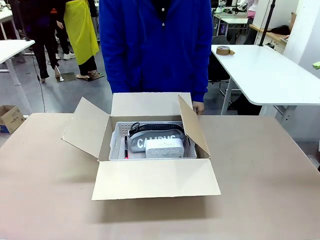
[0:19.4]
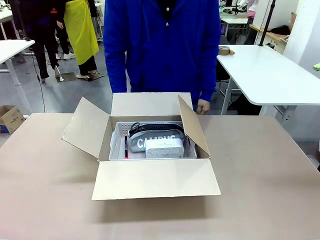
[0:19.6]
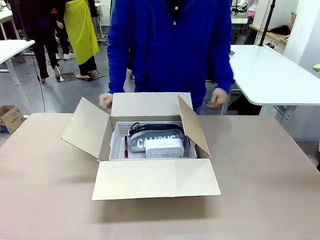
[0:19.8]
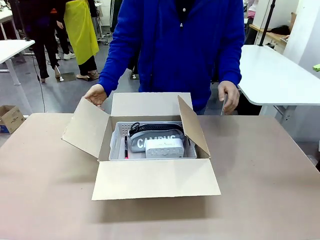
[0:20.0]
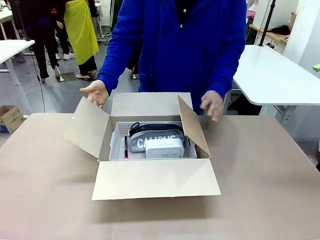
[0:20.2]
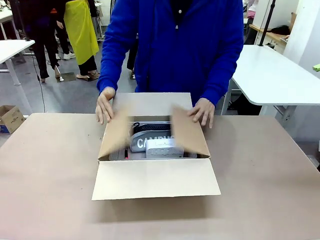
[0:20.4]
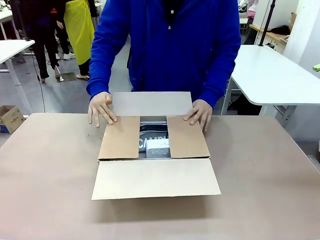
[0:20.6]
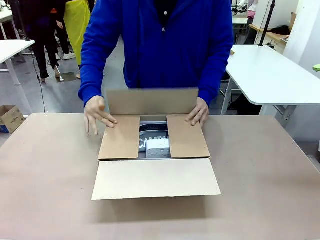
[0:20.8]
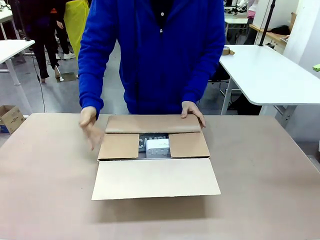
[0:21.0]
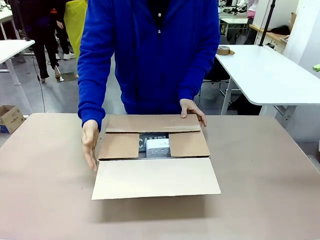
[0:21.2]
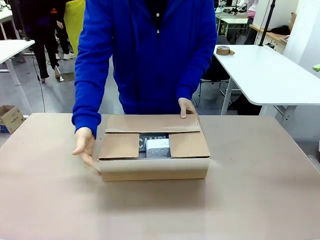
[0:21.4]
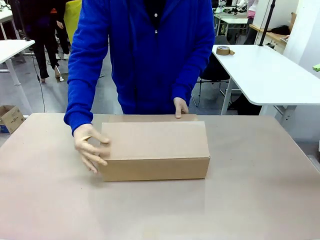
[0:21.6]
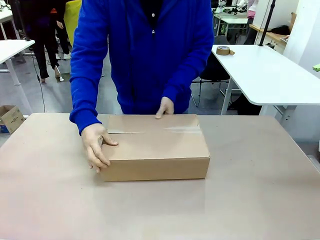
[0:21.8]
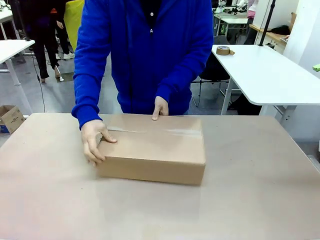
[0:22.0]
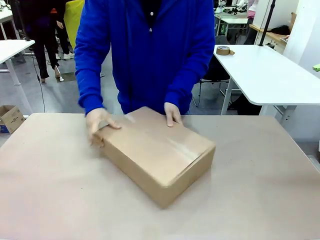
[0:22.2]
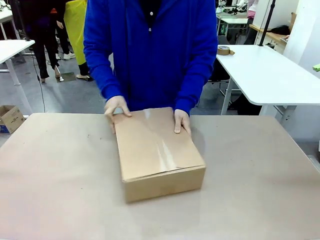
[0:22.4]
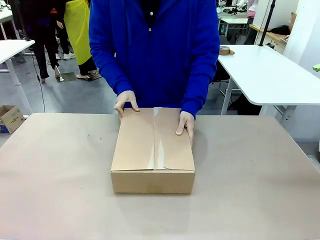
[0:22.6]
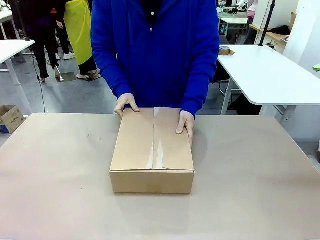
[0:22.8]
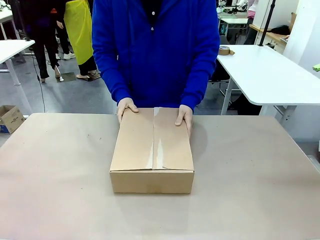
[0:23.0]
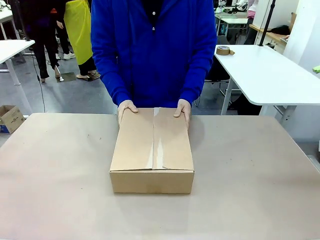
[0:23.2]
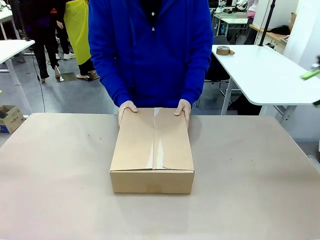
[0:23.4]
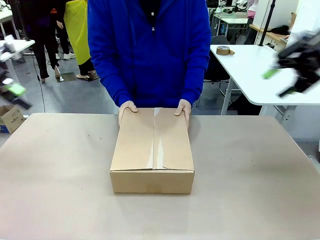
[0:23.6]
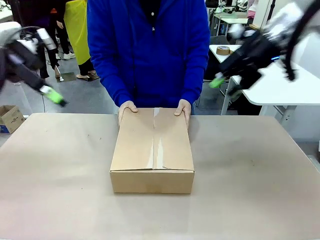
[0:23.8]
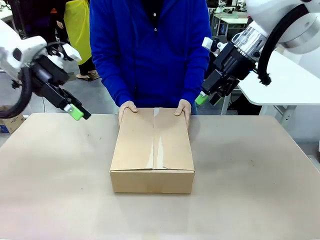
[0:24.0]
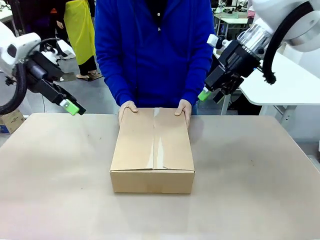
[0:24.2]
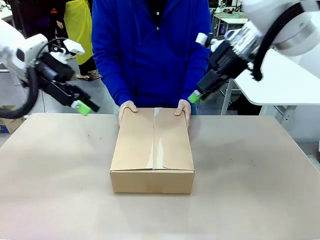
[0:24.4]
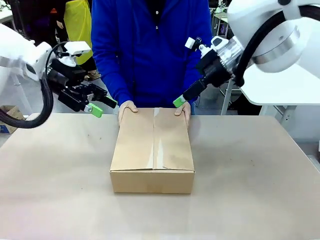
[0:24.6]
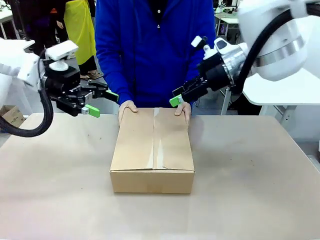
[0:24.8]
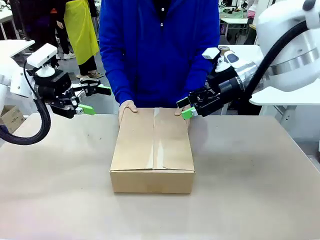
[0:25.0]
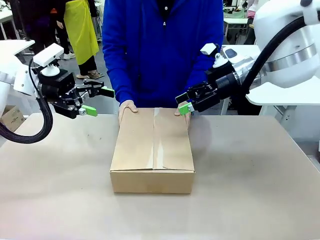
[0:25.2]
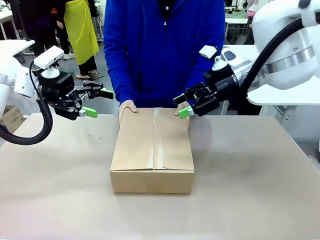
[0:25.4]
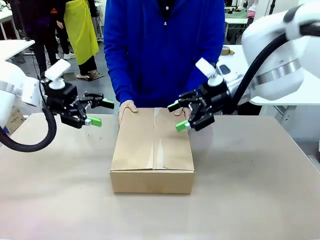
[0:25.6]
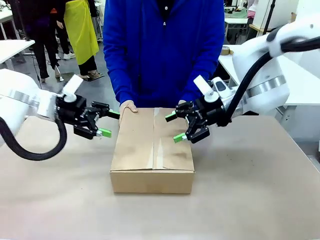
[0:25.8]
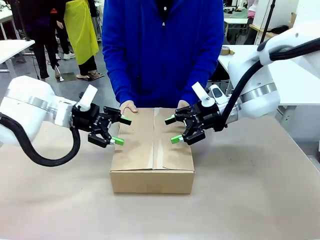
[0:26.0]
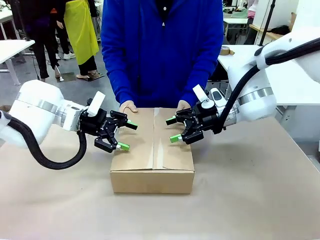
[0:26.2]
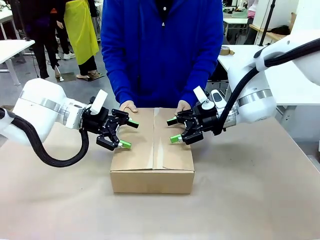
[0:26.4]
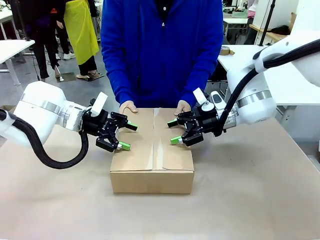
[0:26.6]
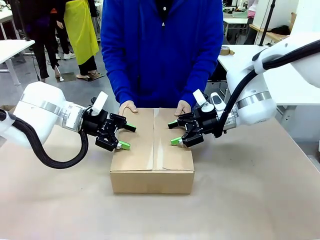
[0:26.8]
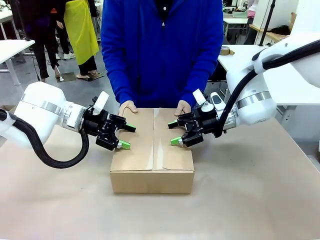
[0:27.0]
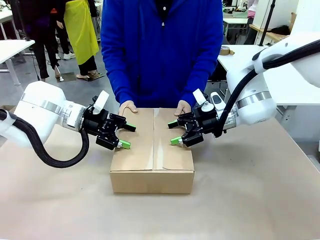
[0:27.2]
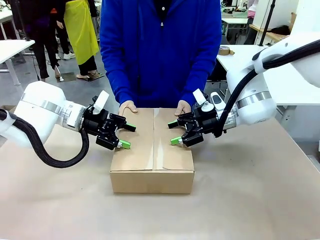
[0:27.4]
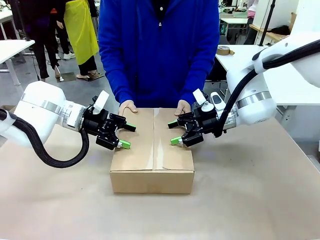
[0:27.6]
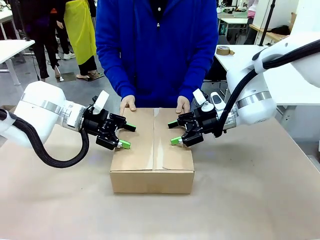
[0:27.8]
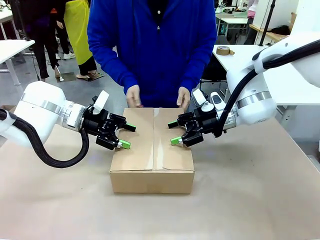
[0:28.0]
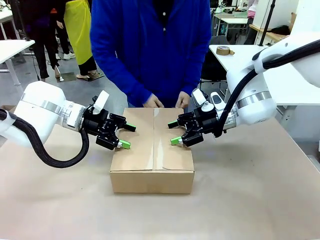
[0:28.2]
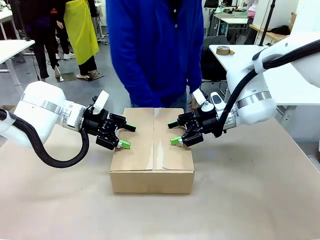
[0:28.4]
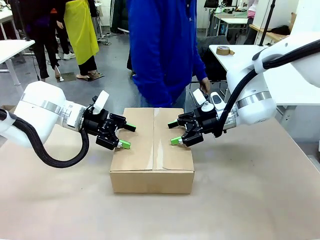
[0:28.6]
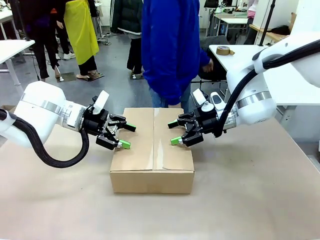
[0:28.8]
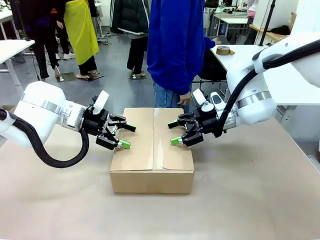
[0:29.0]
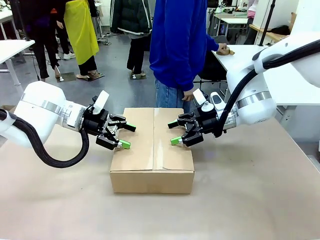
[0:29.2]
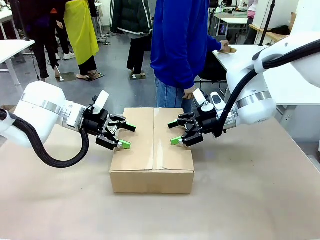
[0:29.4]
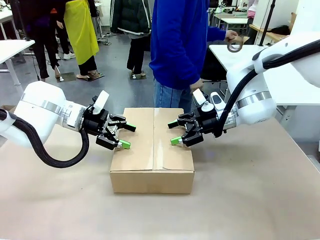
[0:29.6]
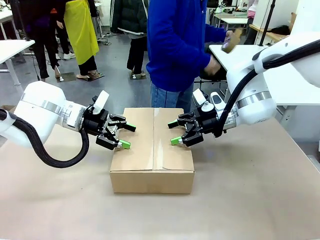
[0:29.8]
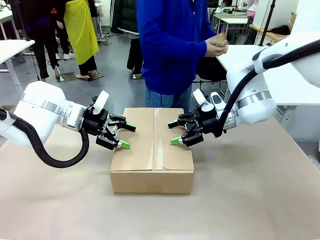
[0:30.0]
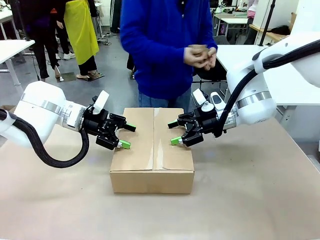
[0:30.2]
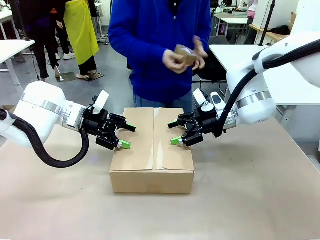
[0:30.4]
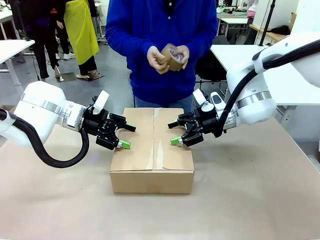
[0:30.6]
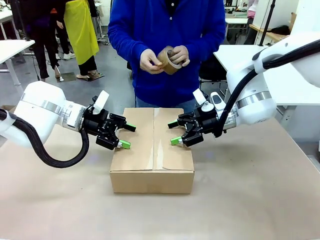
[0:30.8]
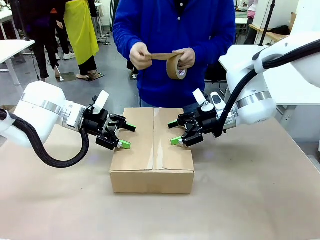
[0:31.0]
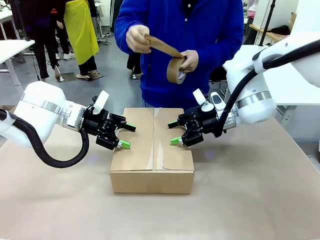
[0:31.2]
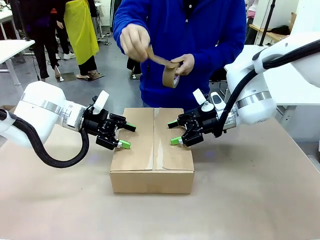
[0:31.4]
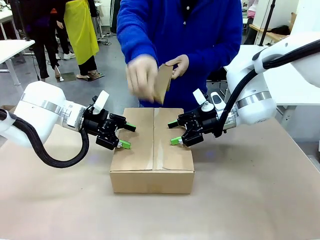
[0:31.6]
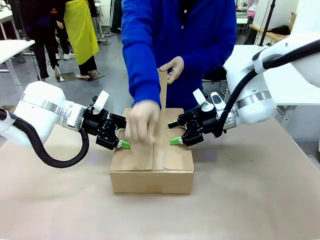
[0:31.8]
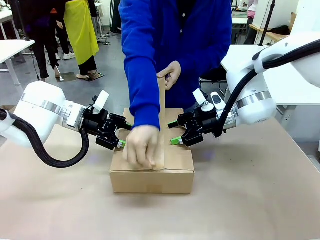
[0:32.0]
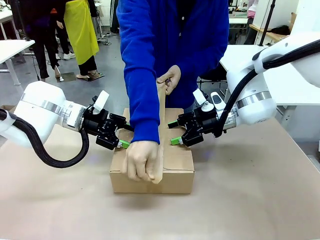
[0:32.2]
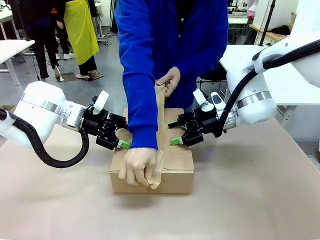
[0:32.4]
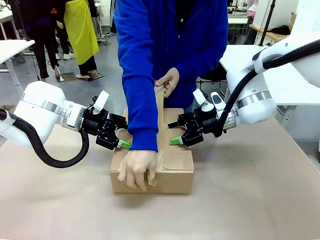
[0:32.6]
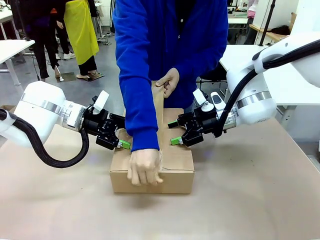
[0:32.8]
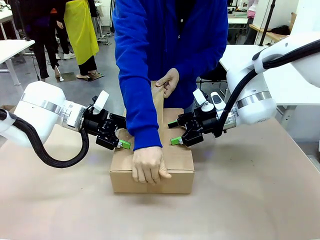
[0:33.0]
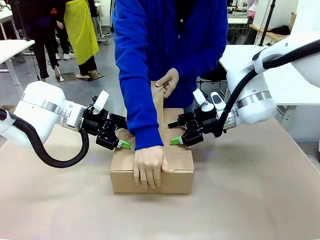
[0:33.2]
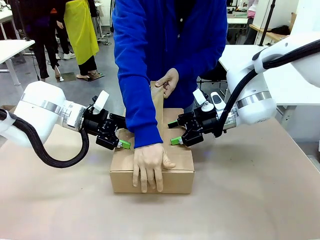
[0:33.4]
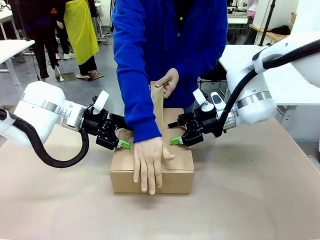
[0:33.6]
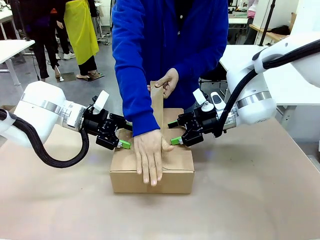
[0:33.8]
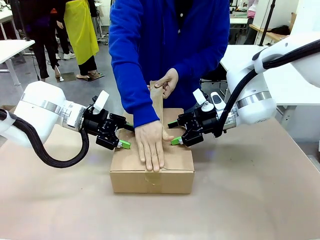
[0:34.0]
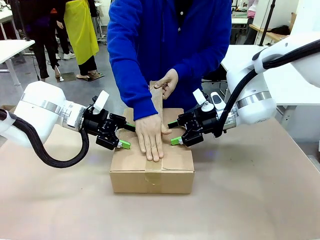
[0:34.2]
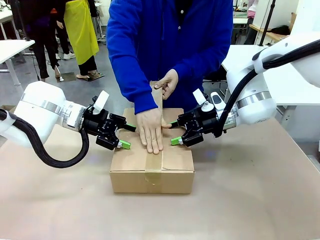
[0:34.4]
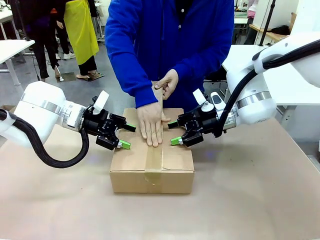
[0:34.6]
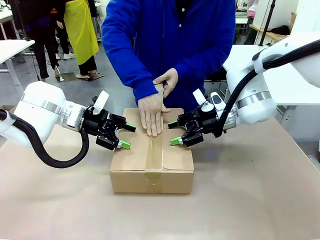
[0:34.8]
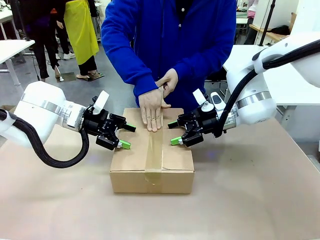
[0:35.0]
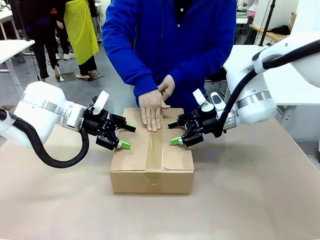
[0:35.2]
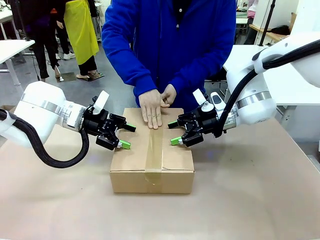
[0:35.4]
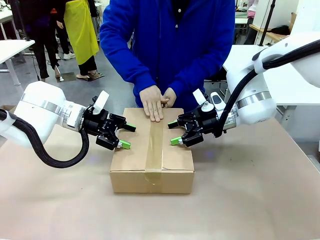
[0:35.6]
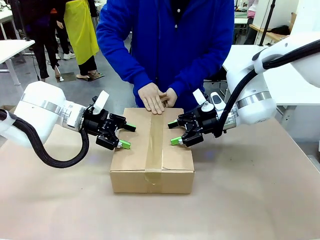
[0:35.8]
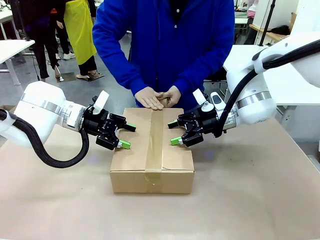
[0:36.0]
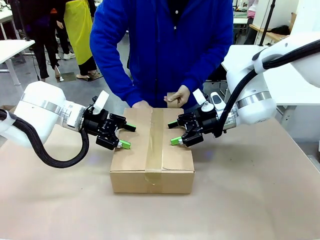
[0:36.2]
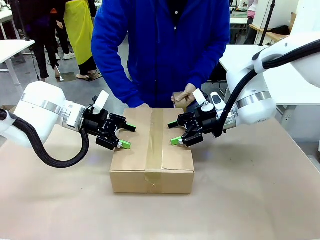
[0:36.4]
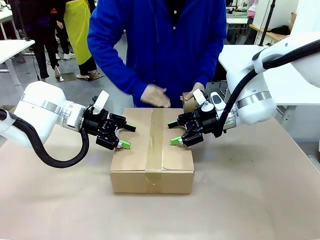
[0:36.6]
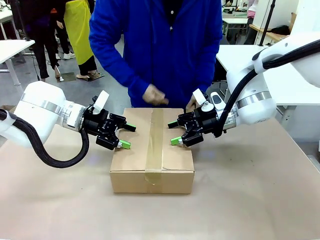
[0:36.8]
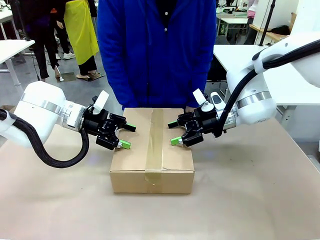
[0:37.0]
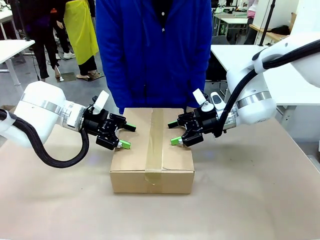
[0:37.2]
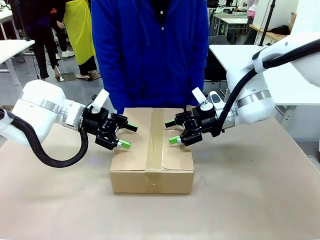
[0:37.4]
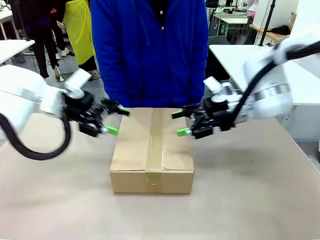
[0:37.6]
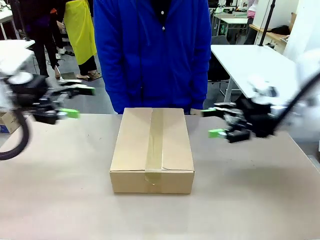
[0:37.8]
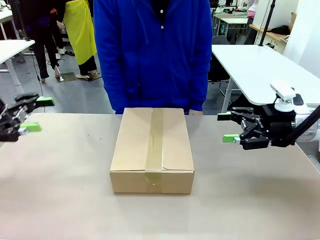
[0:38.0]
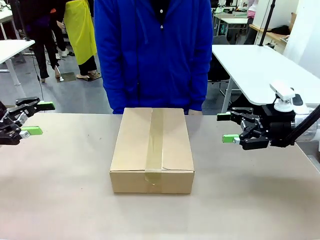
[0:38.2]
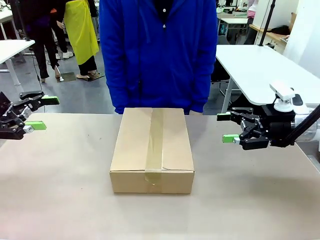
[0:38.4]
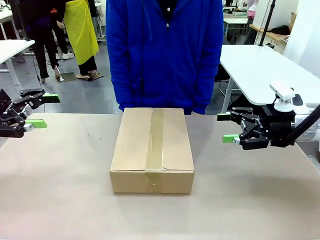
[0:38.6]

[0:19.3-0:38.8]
Task: Pack the gift set into the box.
Robot: Press and hold the closed box until the human finishes sealing it.
Person: The human closes the box and rotates the box by 90 degrees. The human picks up the paper tape from the human table and packs the box.
